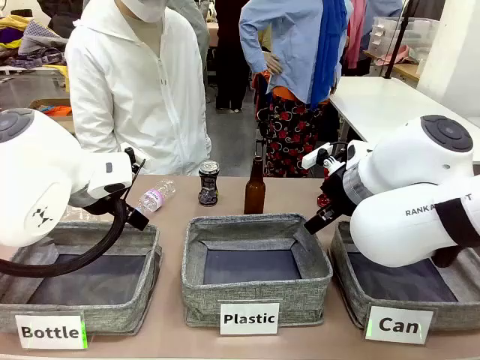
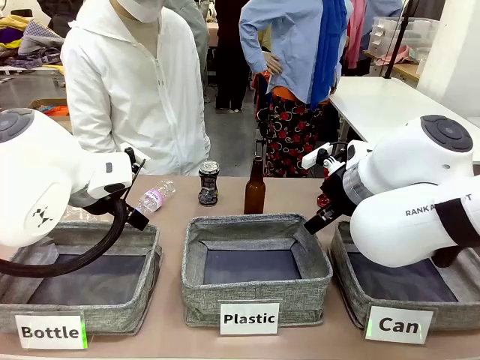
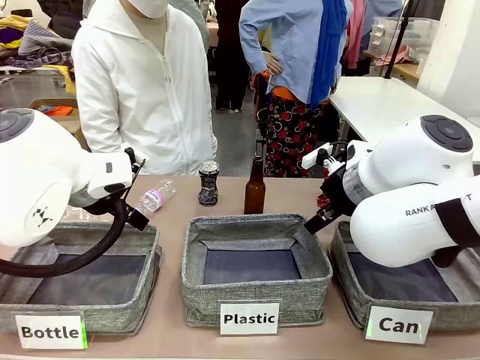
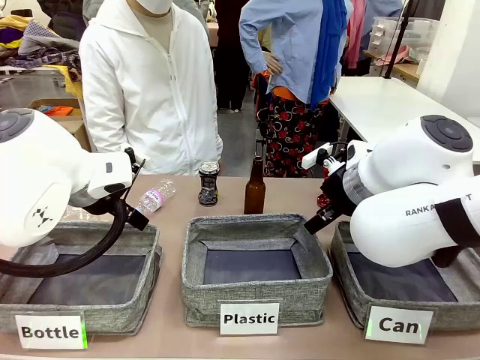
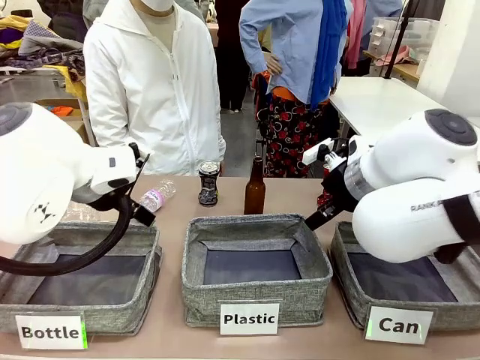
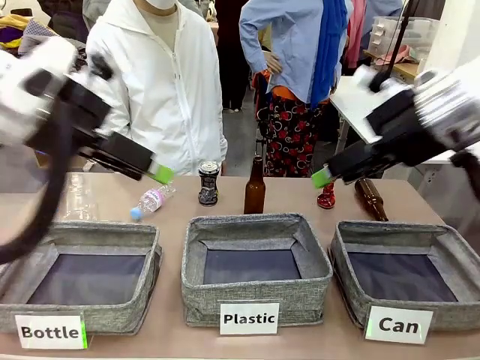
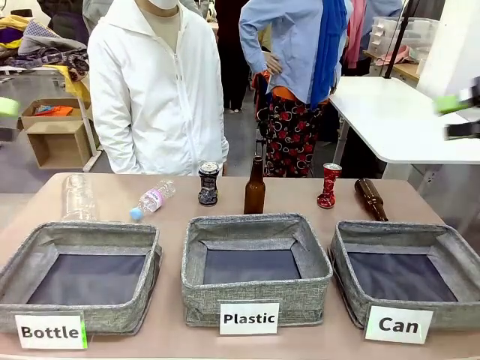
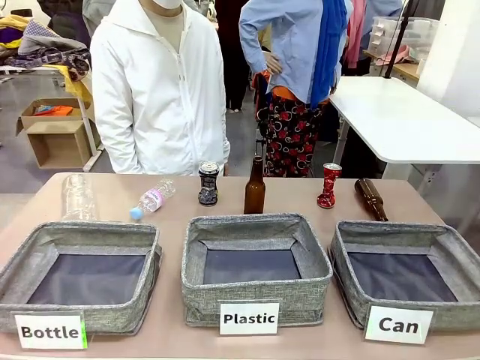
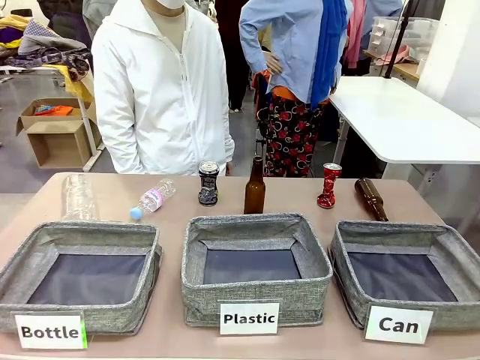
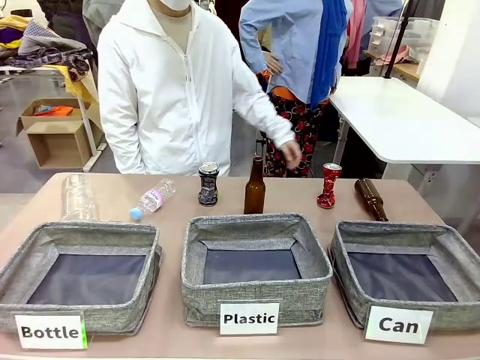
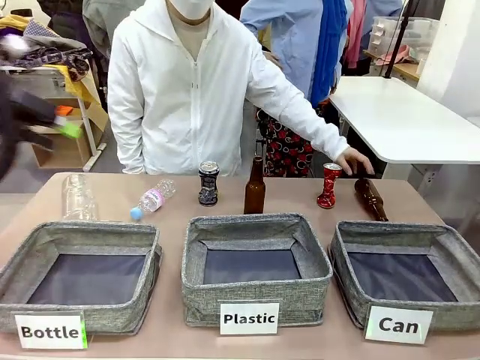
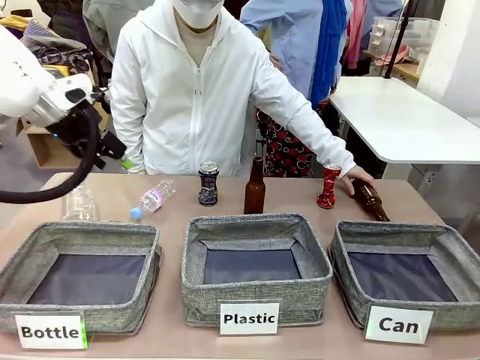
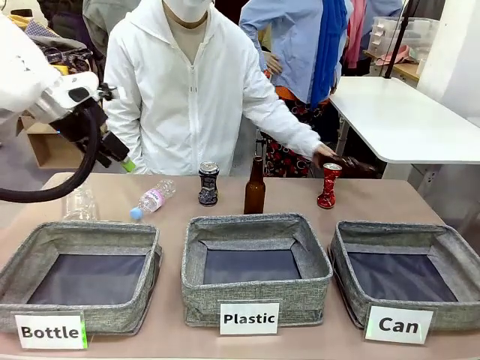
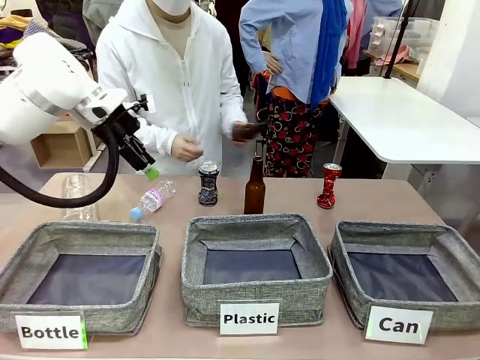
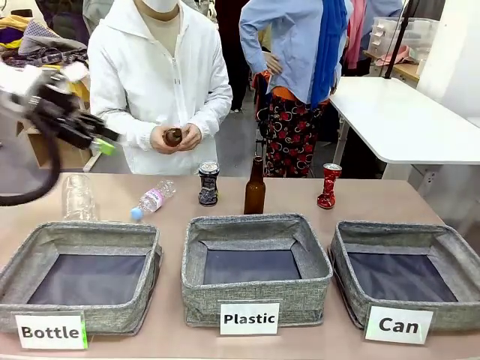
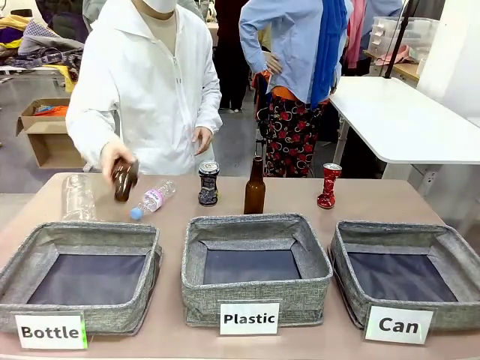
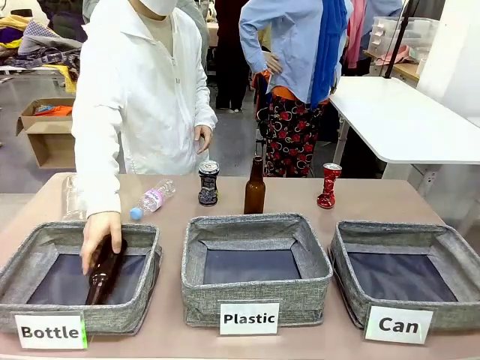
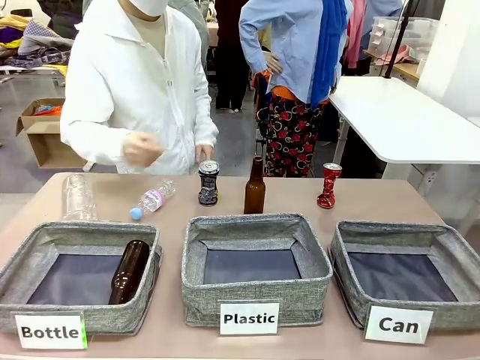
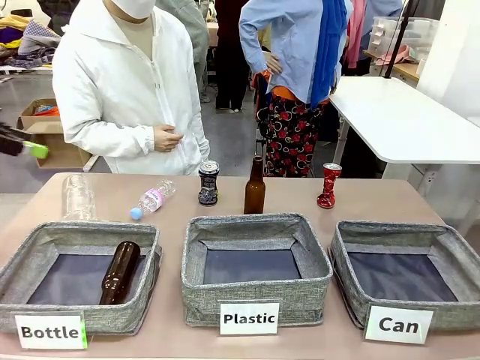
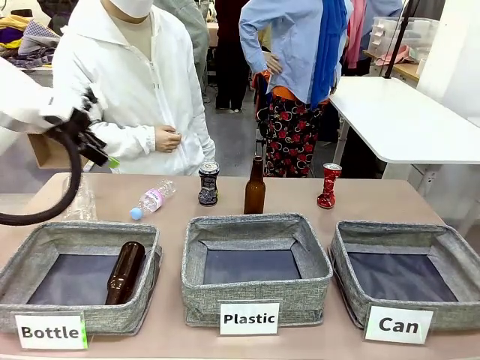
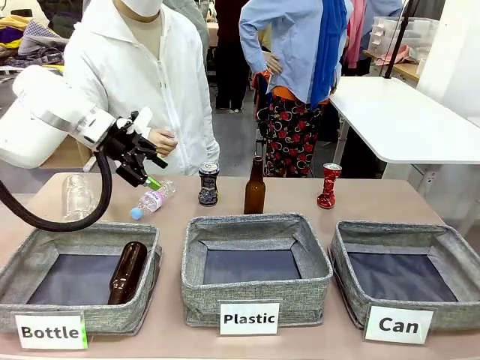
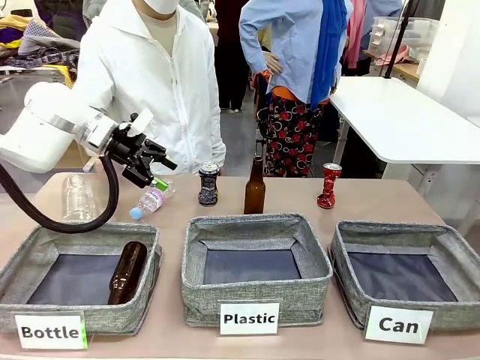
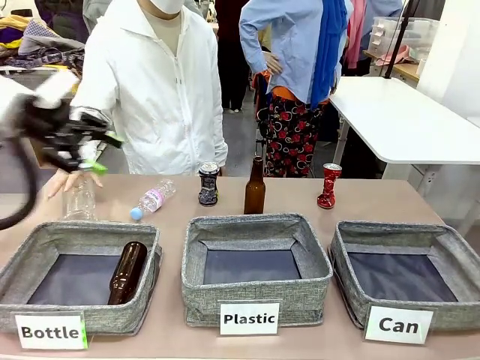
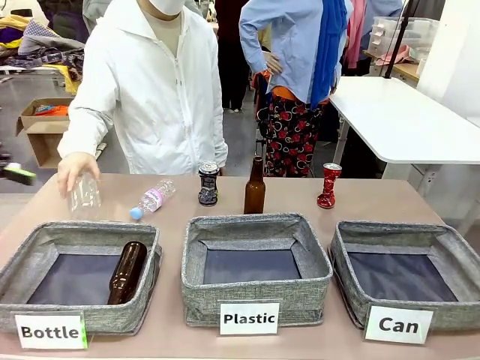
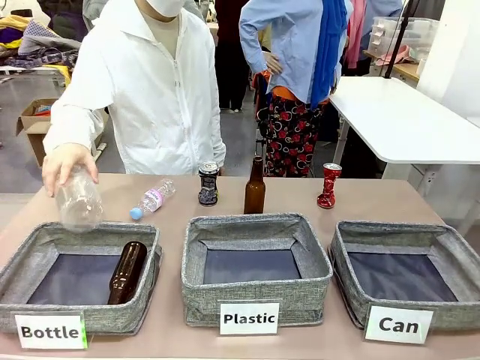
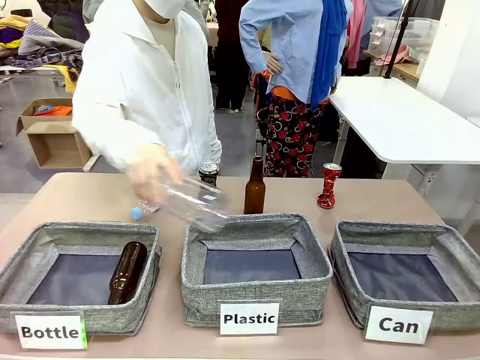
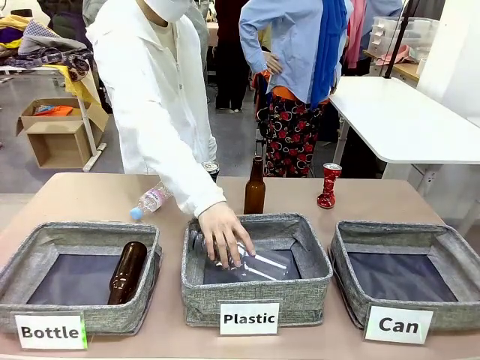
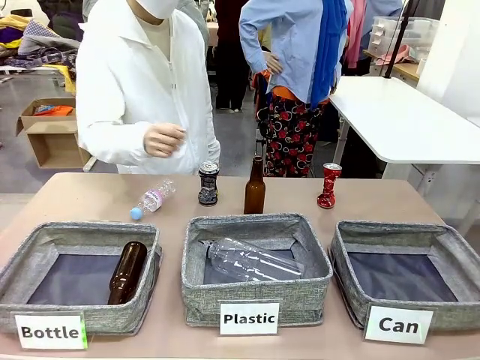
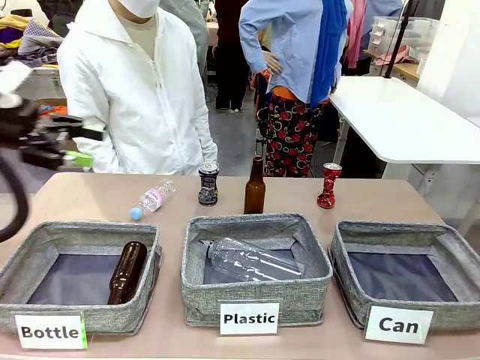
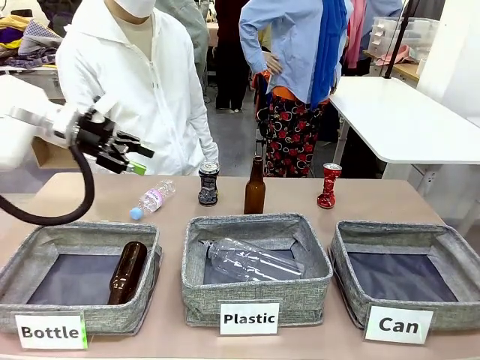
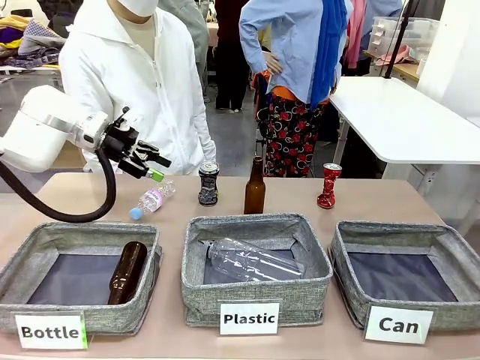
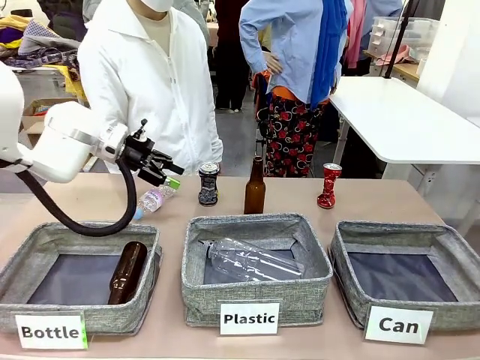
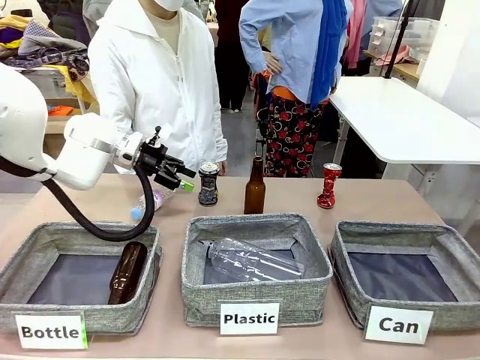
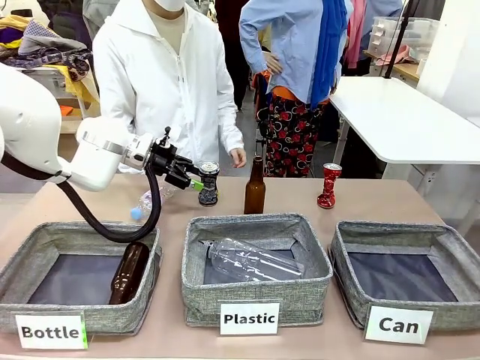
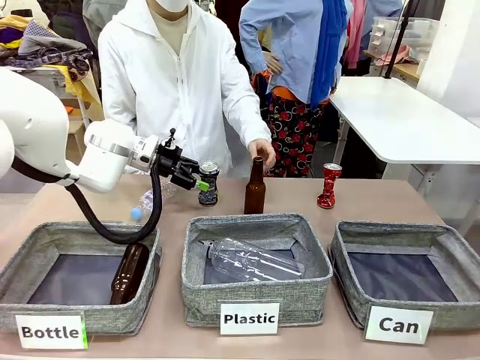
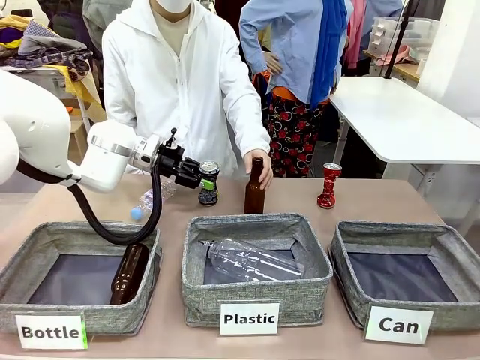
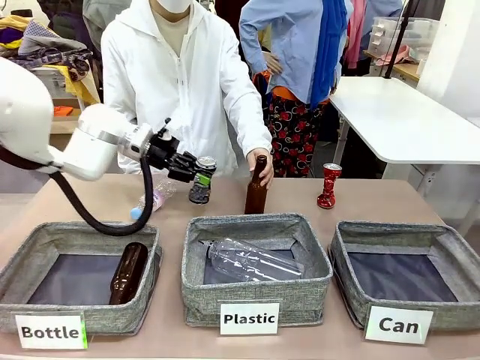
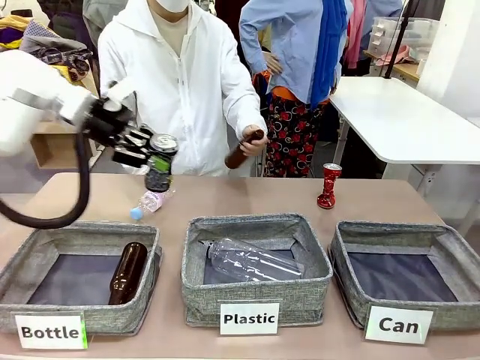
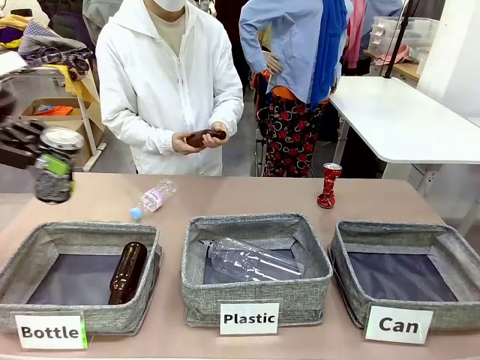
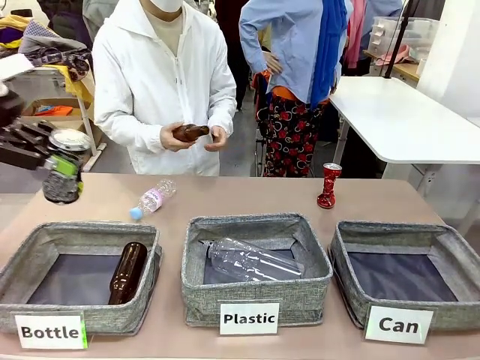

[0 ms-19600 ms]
Task: Sort the can waste into the basket.
Robot: Pick up the can waste from the table and place it in the right Fabric basket.

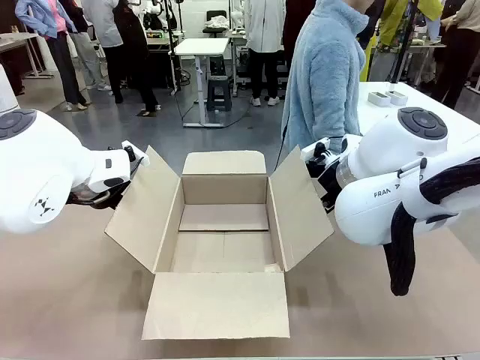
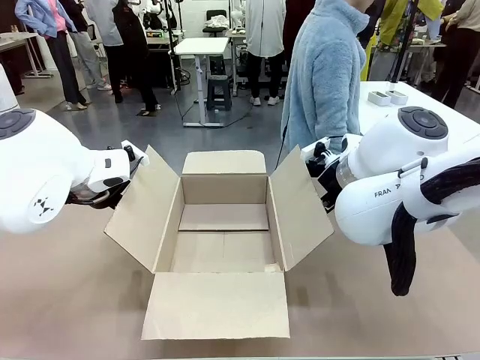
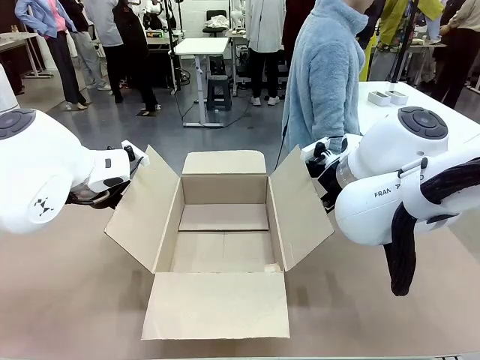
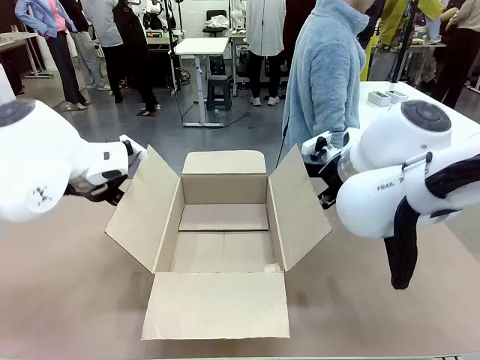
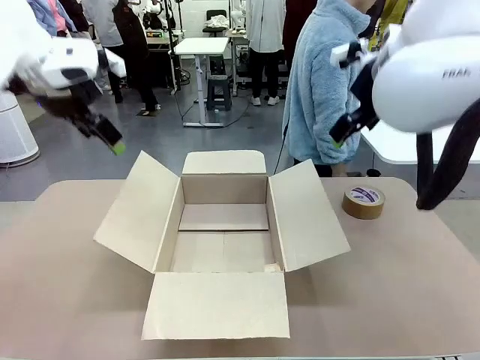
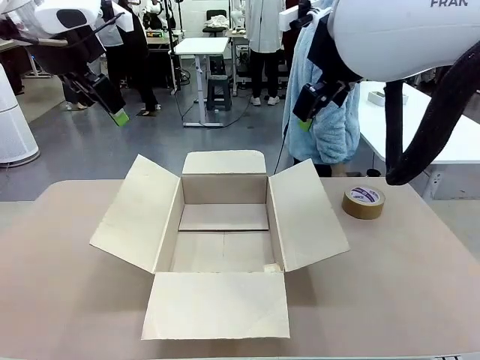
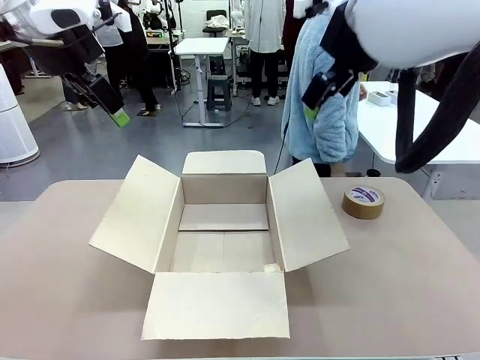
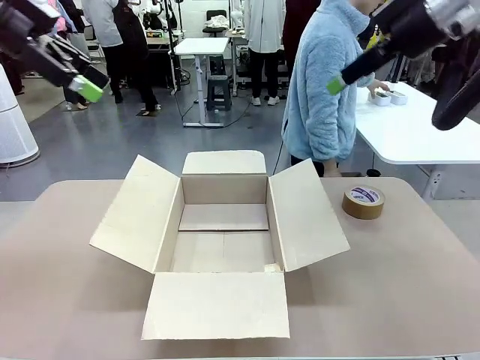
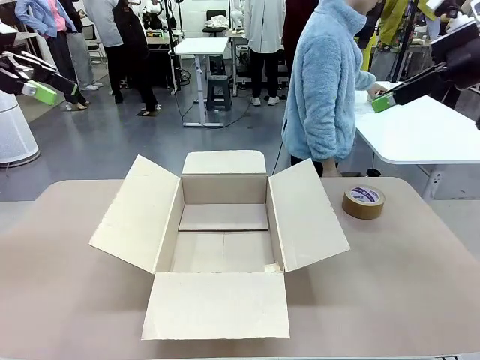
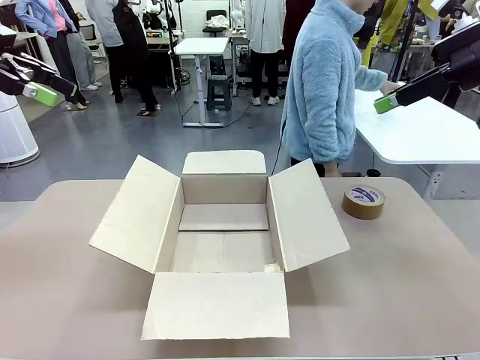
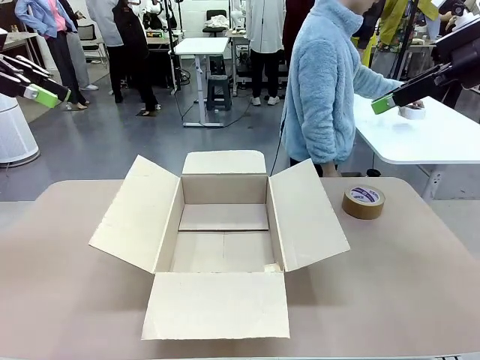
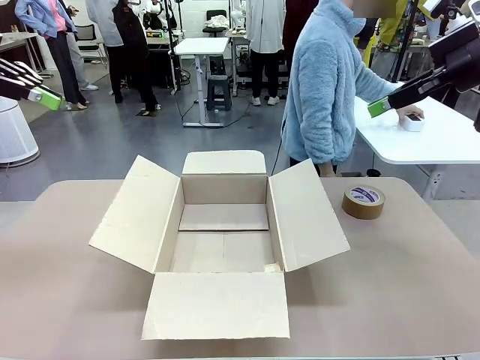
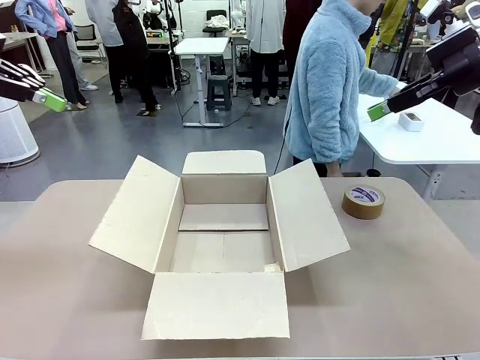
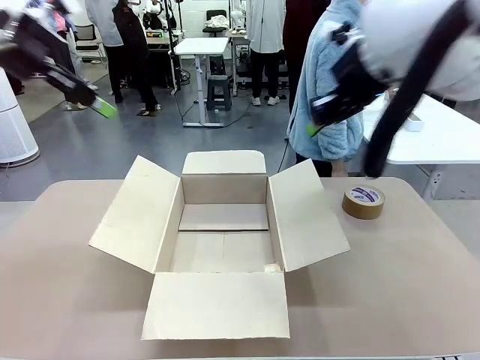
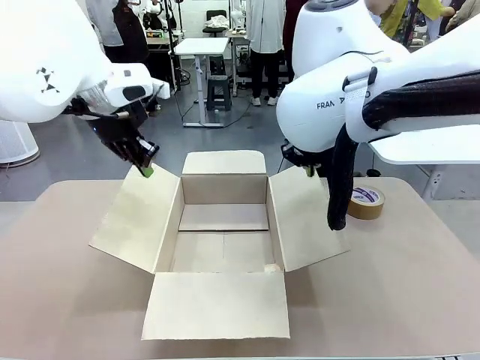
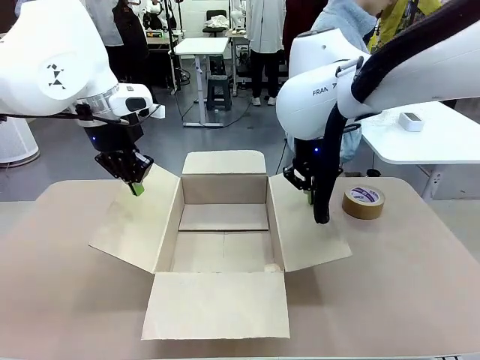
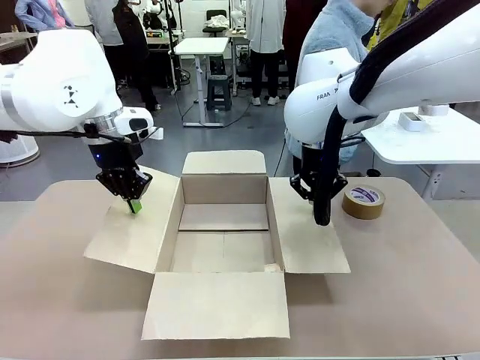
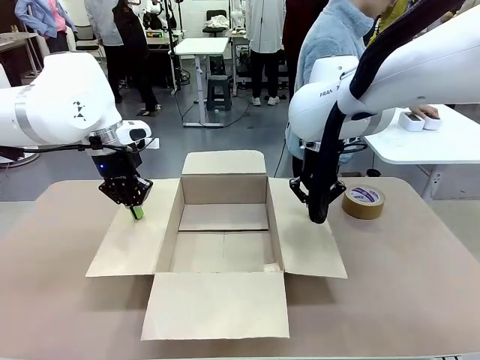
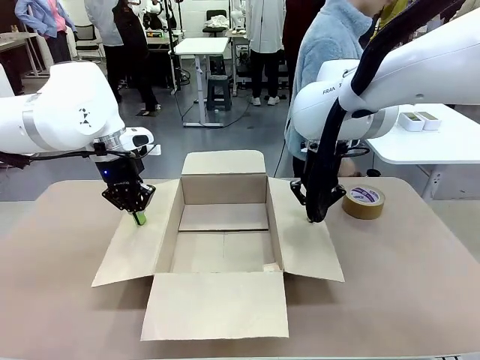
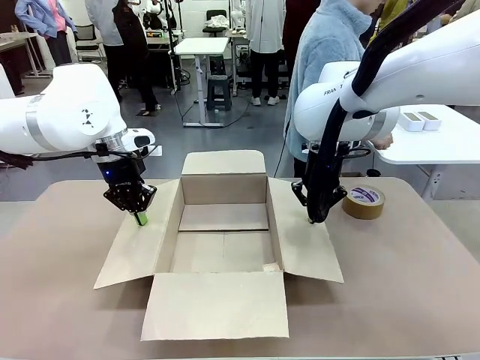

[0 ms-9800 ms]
Task: Wrap the clocks to prevent damage.
Robot: Open the side flaps of the Package Box.
